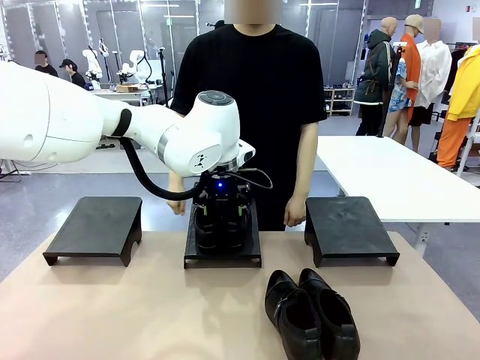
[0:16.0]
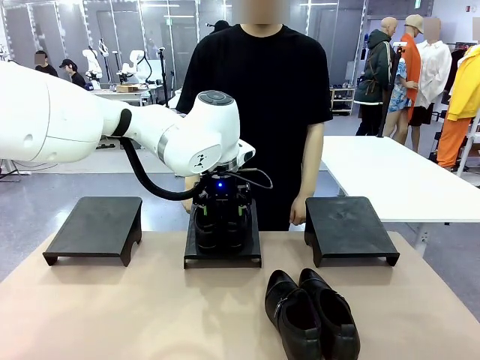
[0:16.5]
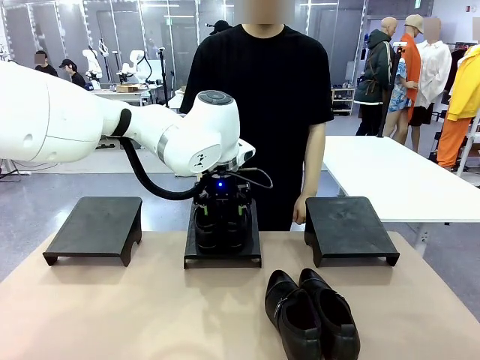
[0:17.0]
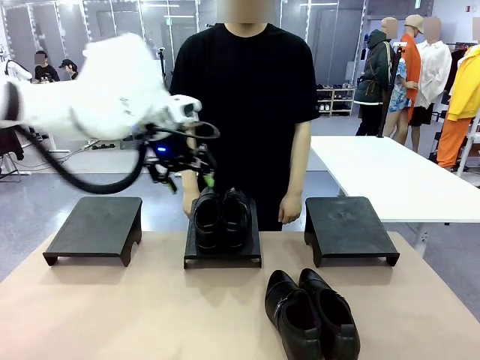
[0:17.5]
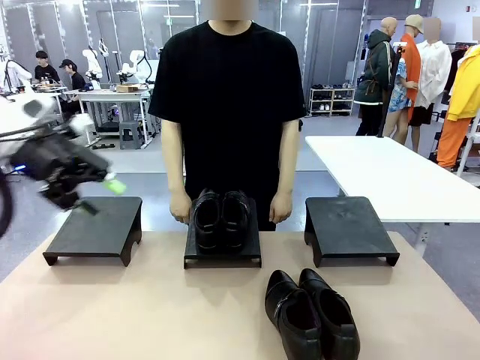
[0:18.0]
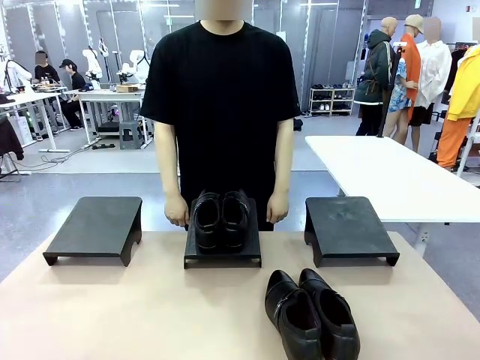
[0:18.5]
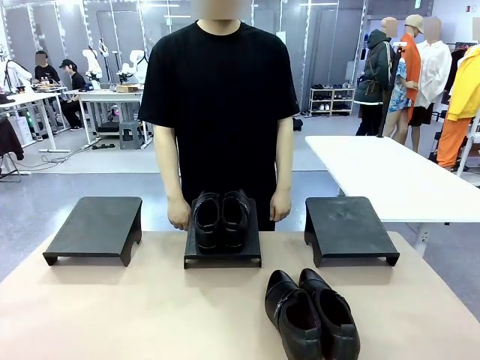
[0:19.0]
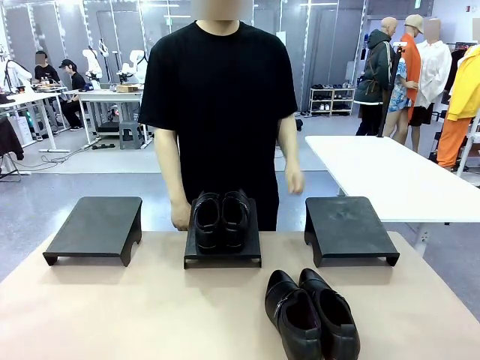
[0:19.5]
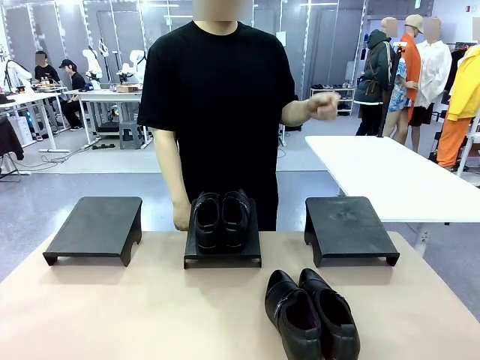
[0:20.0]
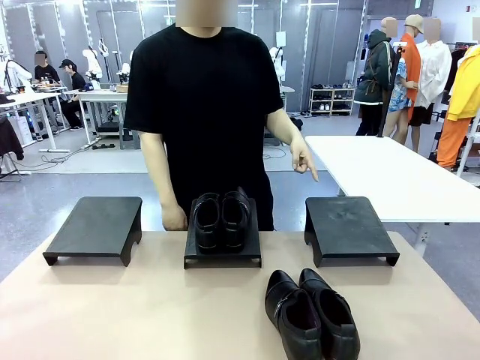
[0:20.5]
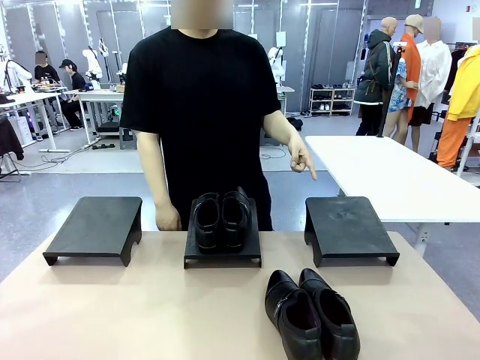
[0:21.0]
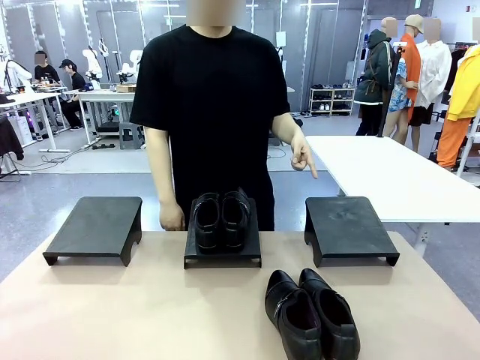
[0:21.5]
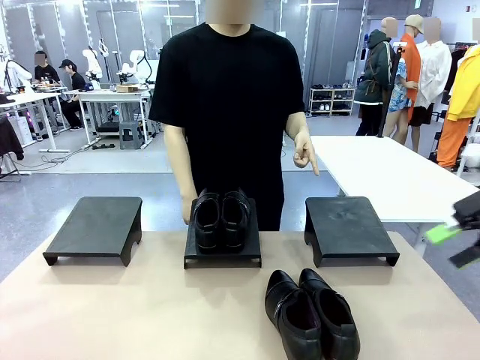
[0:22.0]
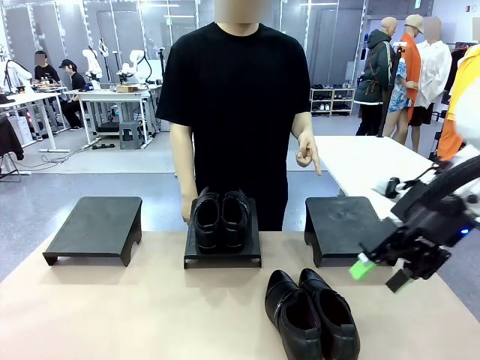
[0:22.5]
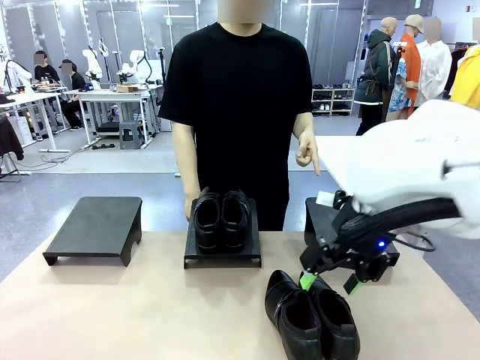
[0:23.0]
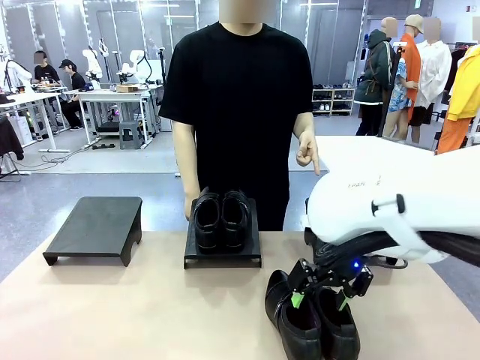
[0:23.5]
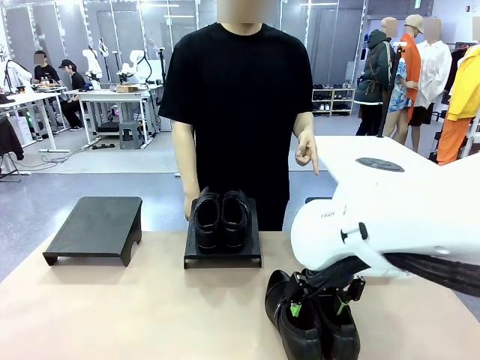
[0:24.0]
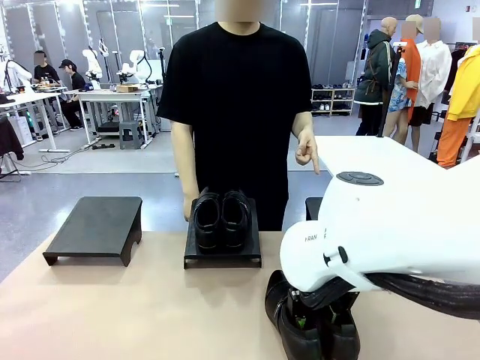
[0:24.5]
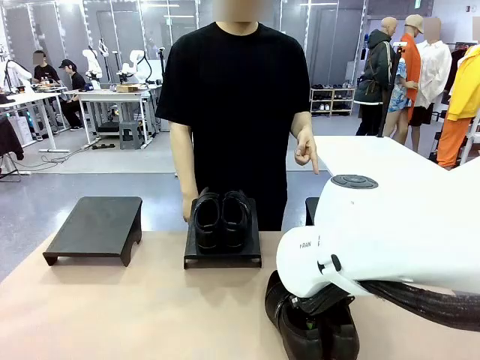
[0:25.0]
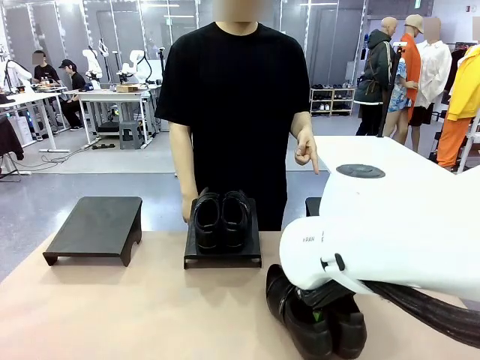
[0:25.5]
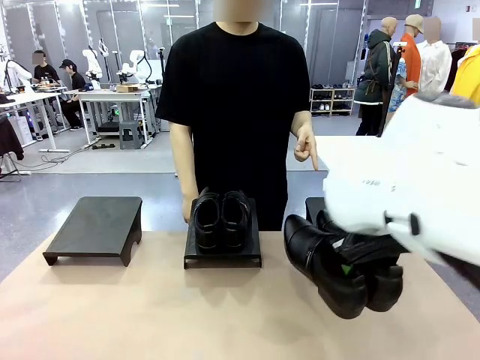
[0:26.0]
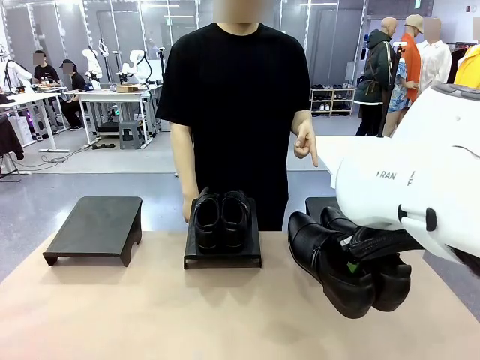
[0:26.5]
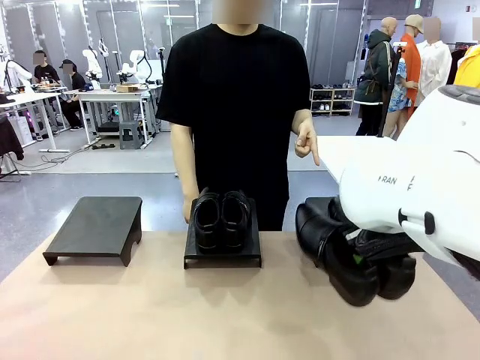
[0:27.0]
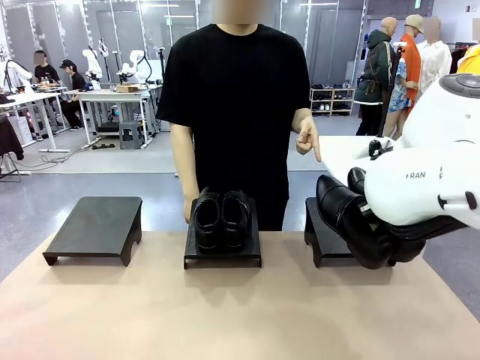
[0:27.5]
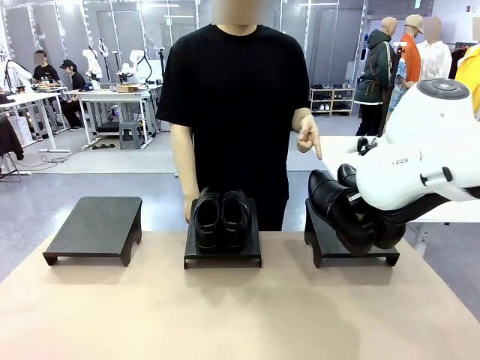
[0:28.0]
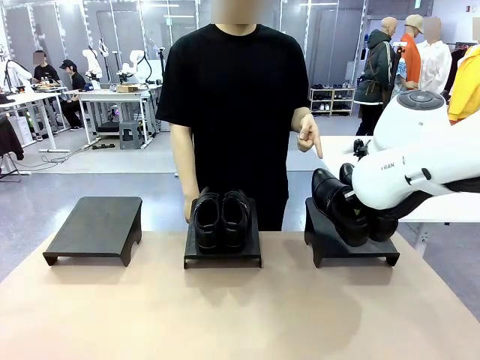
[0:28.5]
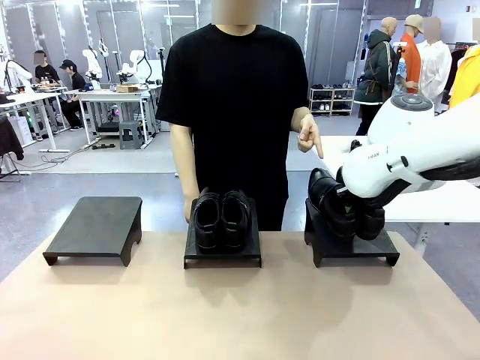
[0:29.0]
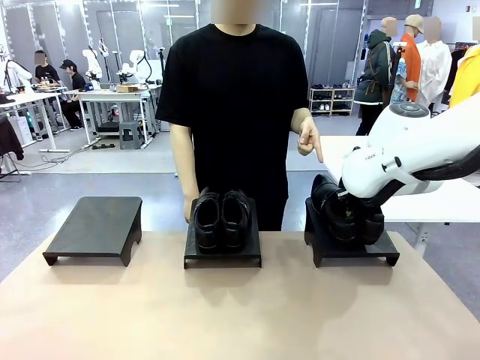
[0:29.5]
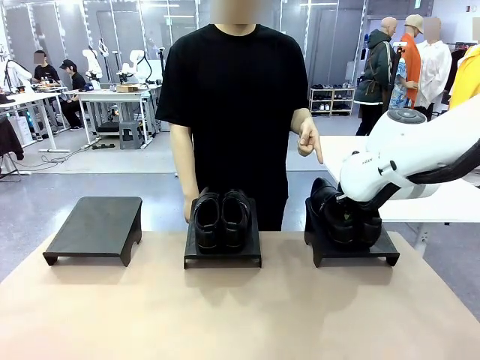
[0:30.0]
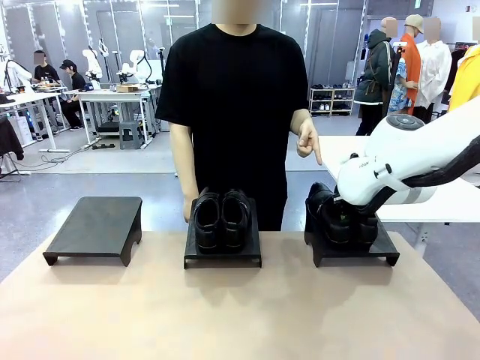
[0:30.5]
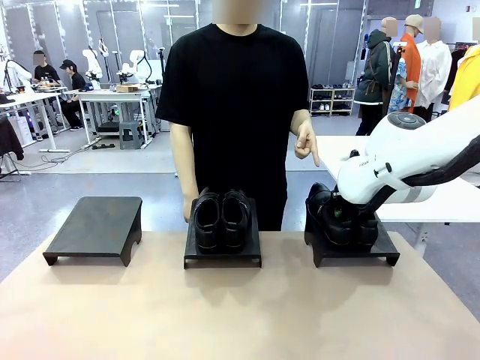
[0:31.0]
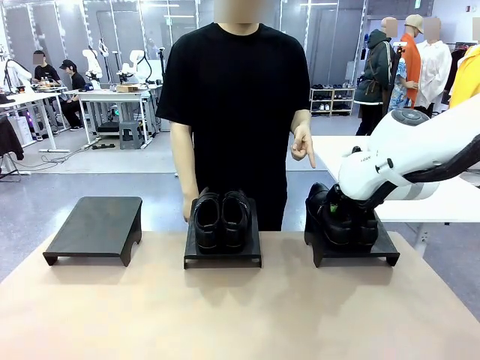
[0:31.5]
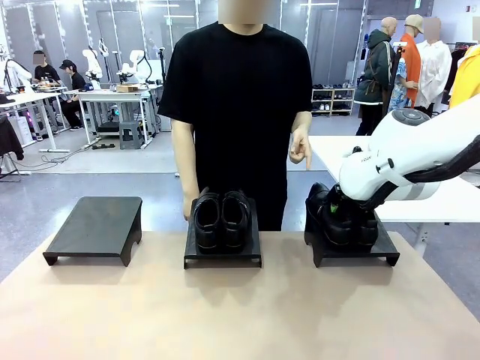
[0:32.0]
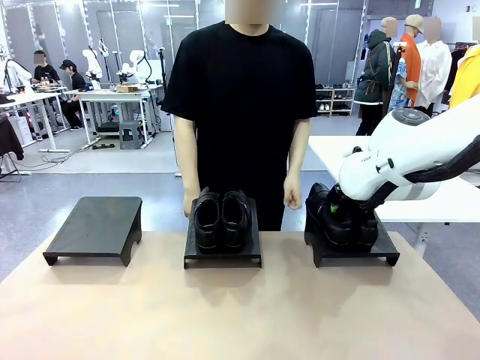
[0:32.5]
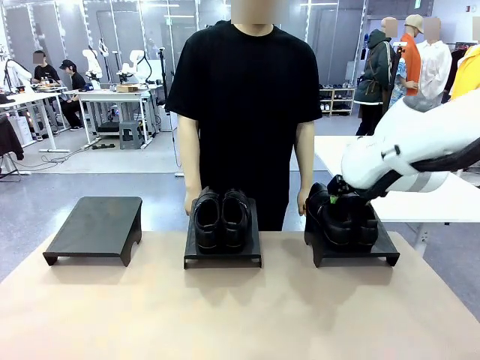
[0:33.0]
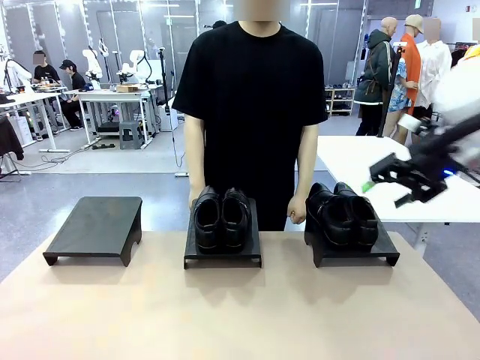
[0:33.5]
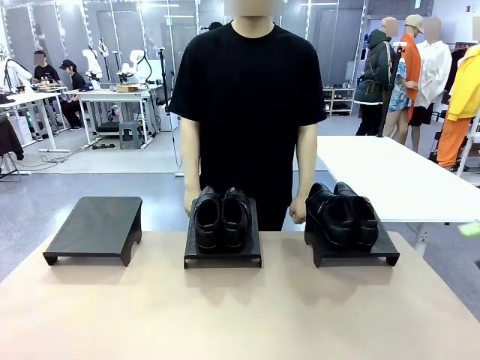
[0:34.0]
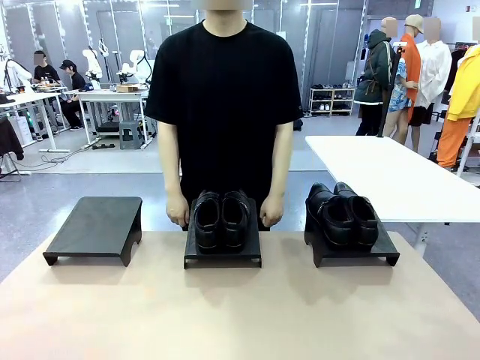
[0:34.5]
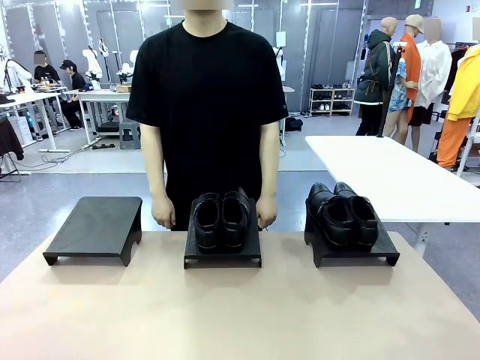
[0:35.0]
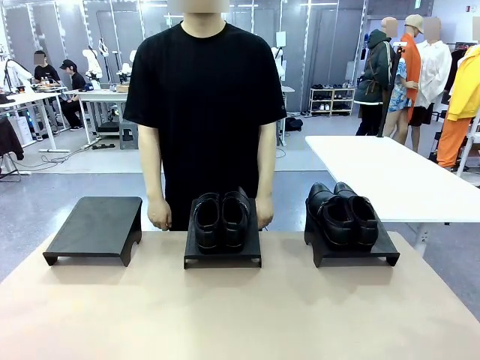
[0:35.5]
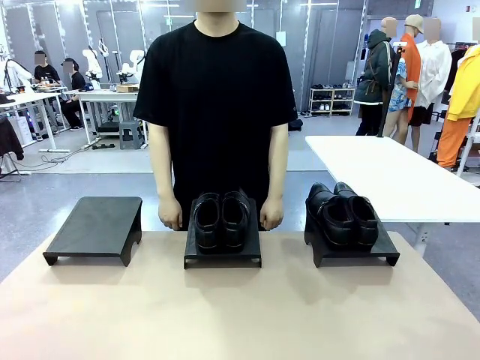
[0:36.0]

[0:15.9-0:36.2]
Task: Place the shoes on the stand as instructed by the person.
Robot: Pick up another pair of Shoes and place it on the Shoes Stand indicated by the person.
Person: Point to one Shoes Stand.
